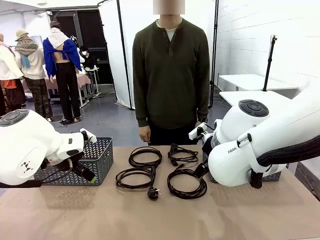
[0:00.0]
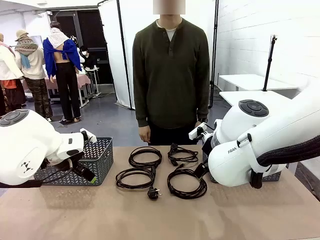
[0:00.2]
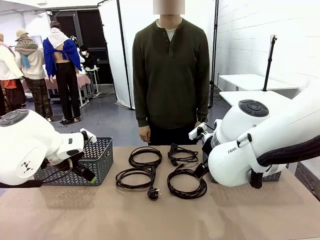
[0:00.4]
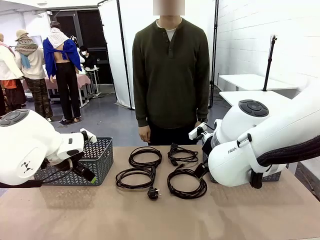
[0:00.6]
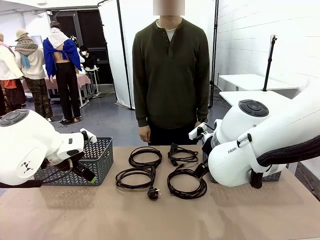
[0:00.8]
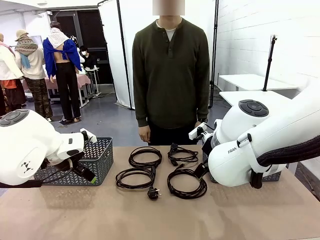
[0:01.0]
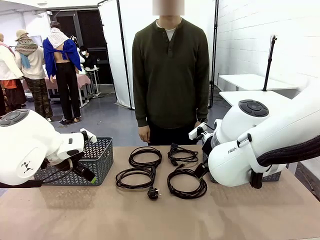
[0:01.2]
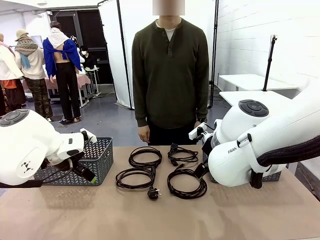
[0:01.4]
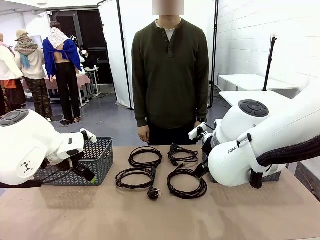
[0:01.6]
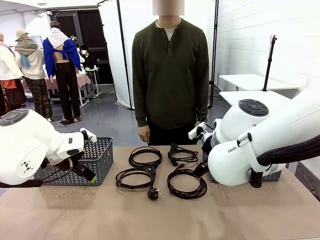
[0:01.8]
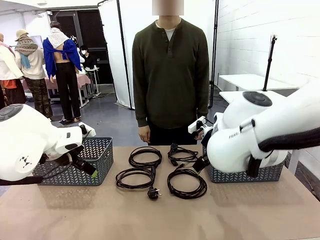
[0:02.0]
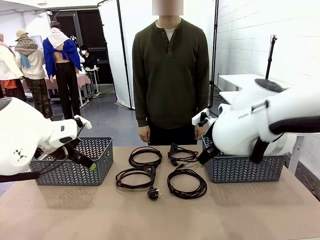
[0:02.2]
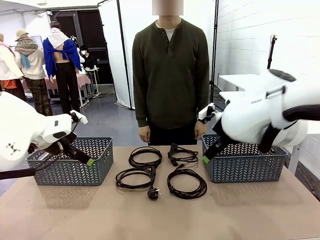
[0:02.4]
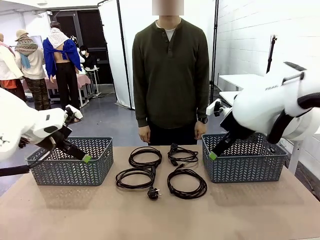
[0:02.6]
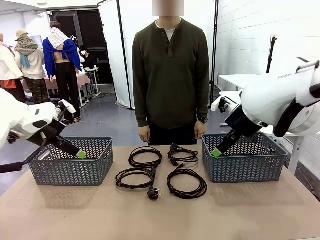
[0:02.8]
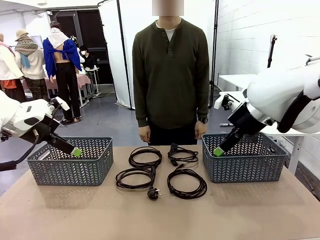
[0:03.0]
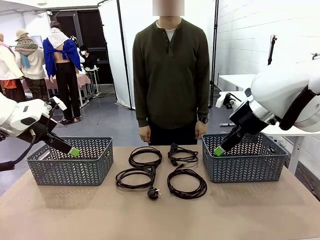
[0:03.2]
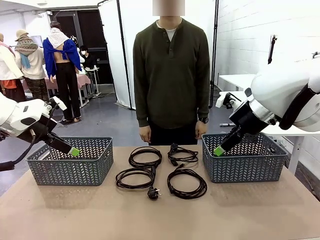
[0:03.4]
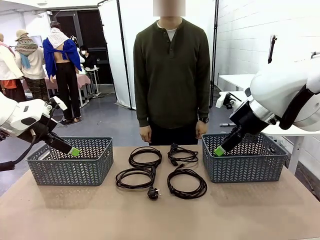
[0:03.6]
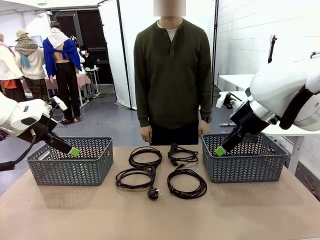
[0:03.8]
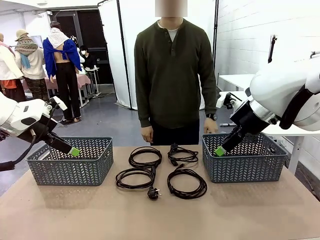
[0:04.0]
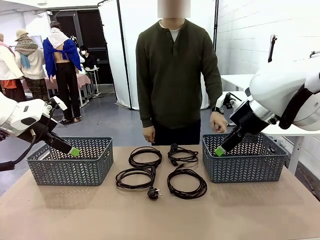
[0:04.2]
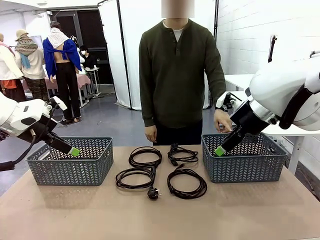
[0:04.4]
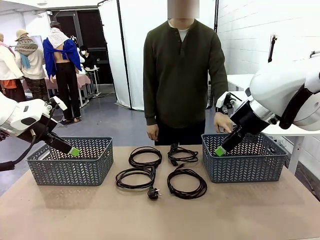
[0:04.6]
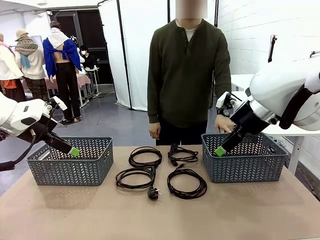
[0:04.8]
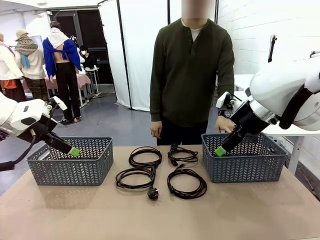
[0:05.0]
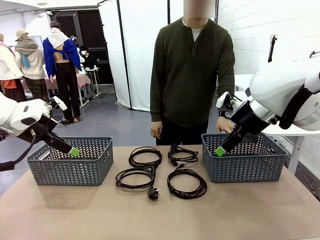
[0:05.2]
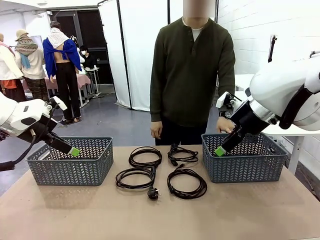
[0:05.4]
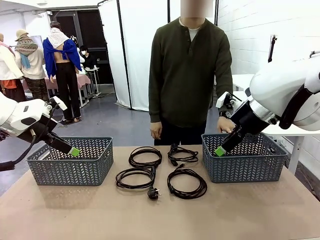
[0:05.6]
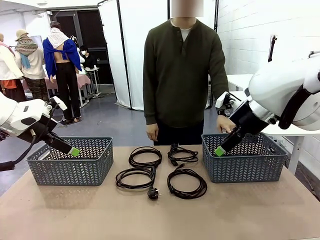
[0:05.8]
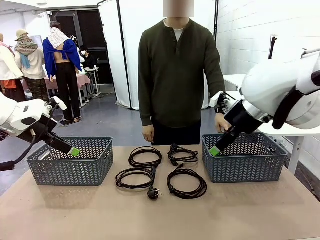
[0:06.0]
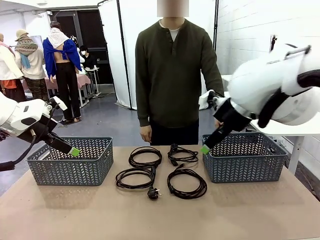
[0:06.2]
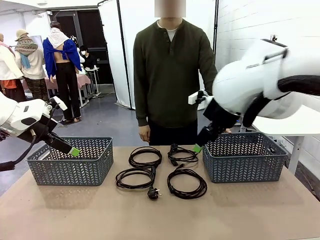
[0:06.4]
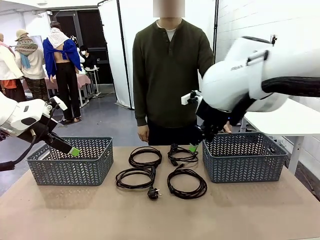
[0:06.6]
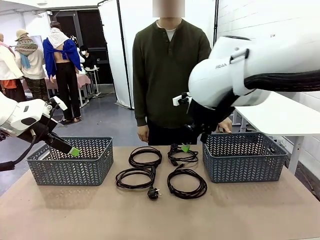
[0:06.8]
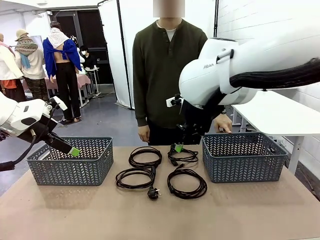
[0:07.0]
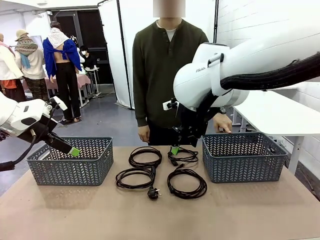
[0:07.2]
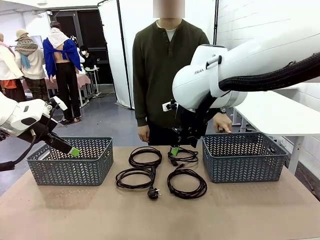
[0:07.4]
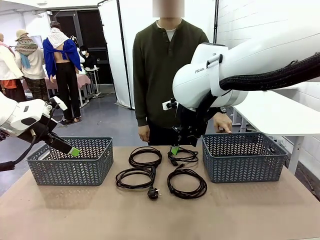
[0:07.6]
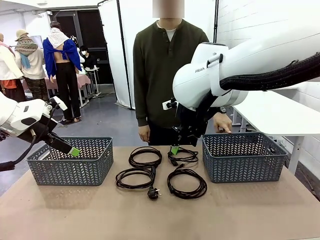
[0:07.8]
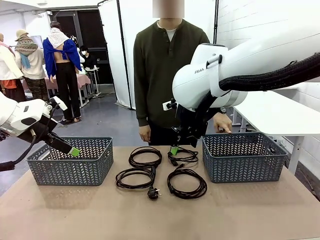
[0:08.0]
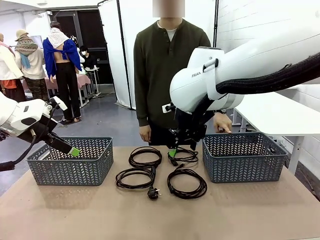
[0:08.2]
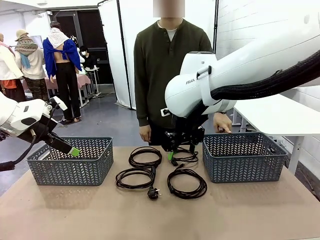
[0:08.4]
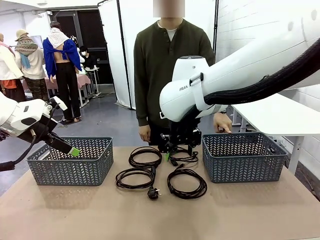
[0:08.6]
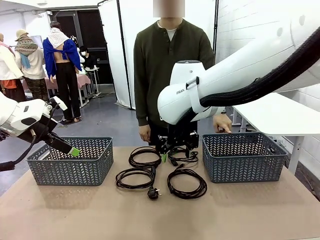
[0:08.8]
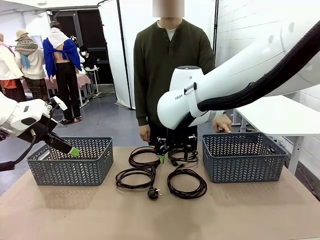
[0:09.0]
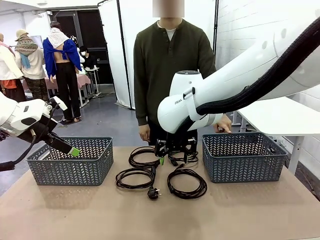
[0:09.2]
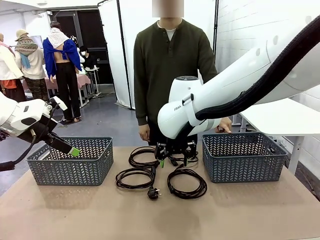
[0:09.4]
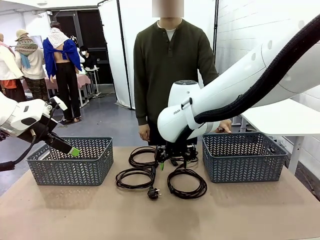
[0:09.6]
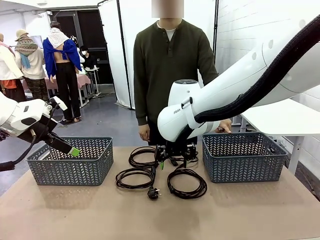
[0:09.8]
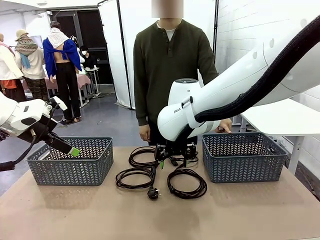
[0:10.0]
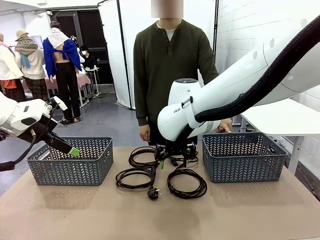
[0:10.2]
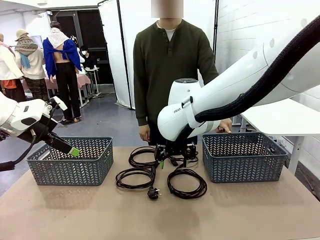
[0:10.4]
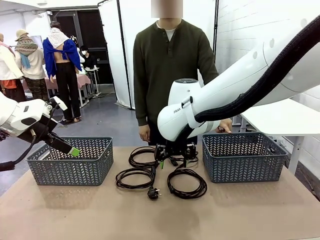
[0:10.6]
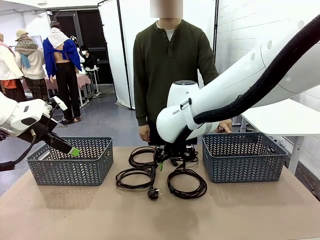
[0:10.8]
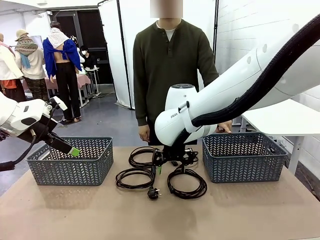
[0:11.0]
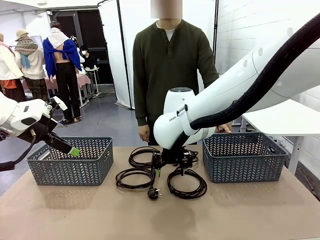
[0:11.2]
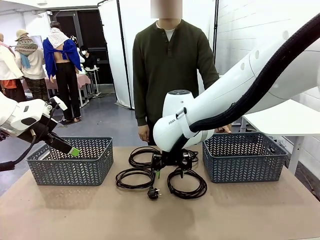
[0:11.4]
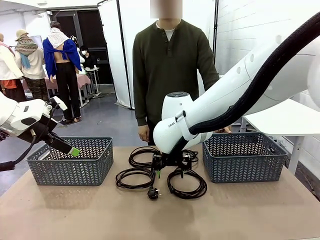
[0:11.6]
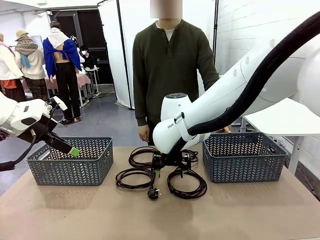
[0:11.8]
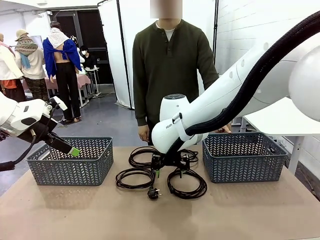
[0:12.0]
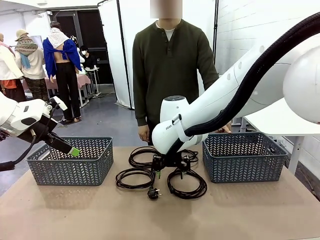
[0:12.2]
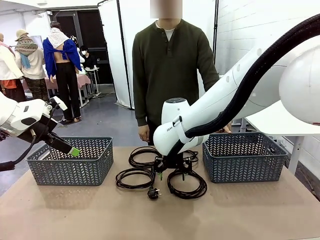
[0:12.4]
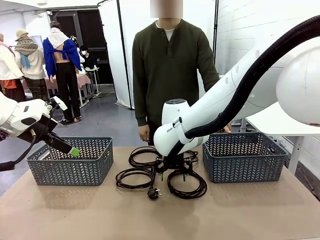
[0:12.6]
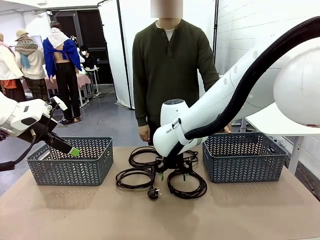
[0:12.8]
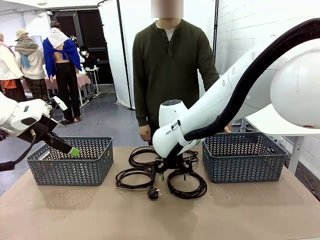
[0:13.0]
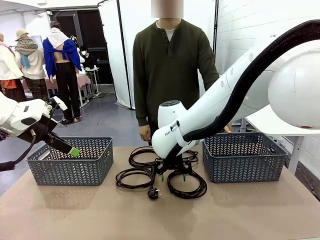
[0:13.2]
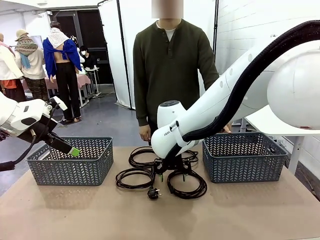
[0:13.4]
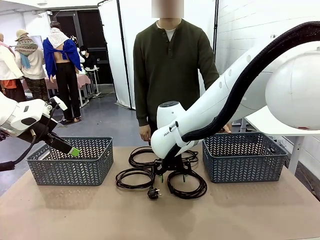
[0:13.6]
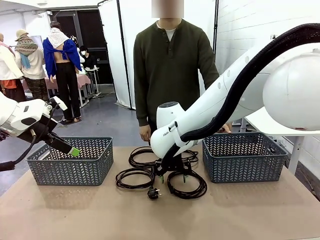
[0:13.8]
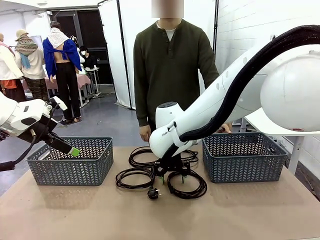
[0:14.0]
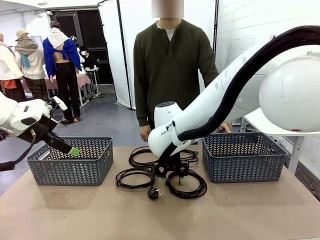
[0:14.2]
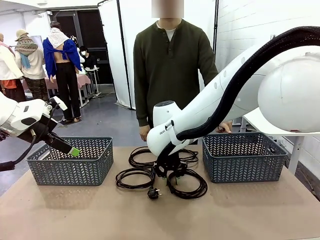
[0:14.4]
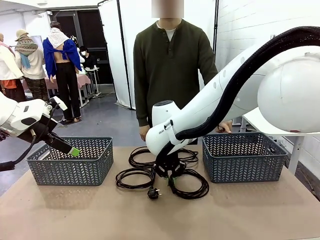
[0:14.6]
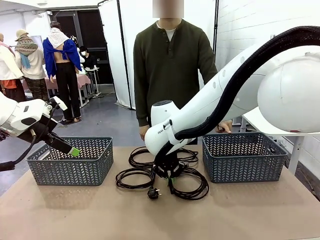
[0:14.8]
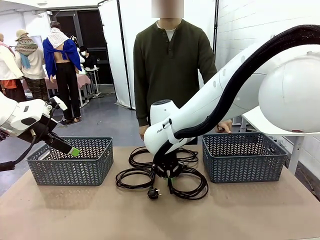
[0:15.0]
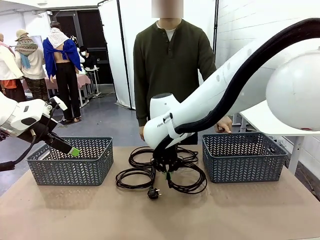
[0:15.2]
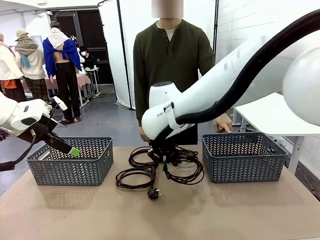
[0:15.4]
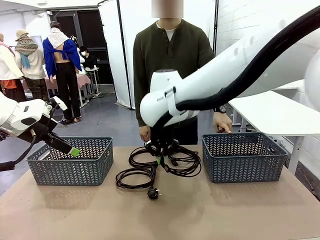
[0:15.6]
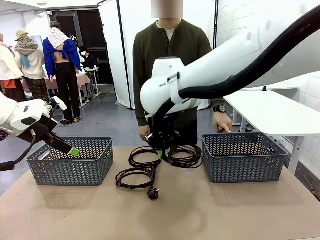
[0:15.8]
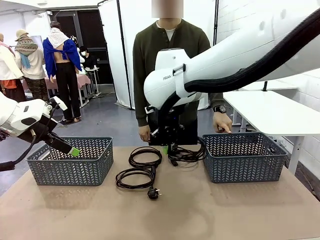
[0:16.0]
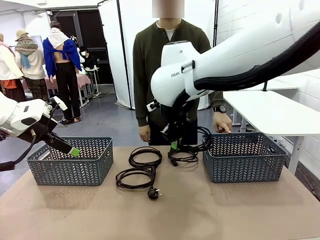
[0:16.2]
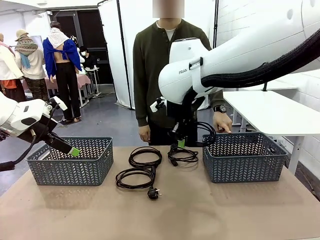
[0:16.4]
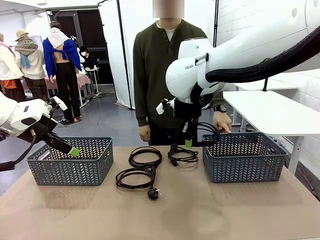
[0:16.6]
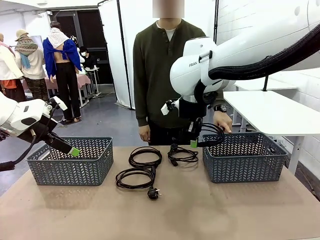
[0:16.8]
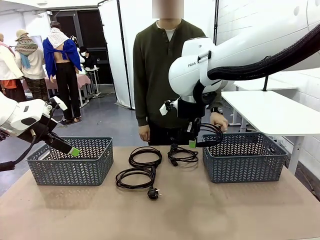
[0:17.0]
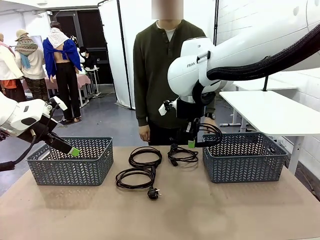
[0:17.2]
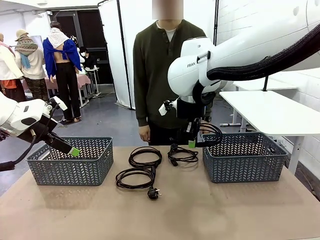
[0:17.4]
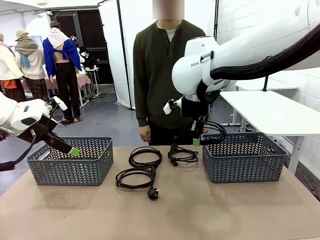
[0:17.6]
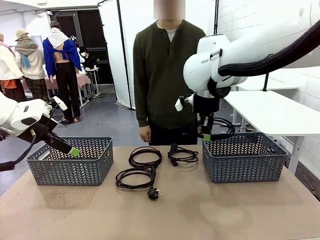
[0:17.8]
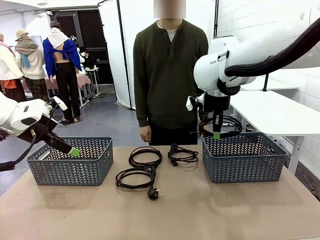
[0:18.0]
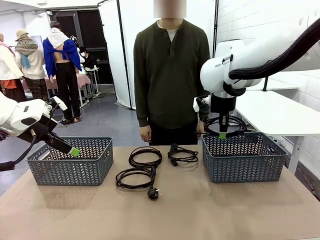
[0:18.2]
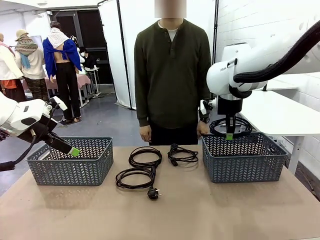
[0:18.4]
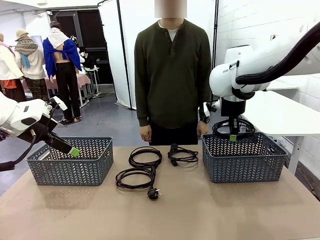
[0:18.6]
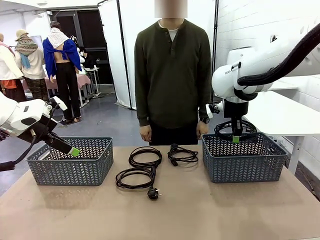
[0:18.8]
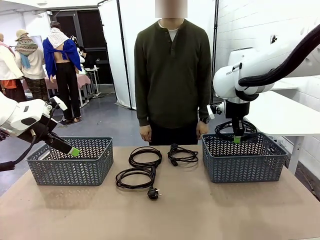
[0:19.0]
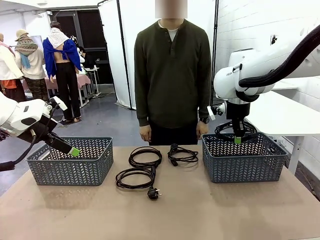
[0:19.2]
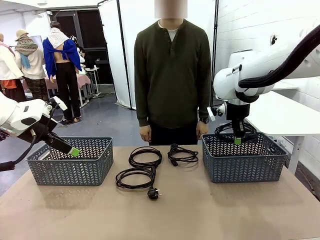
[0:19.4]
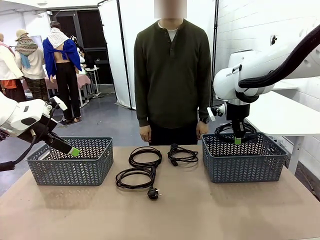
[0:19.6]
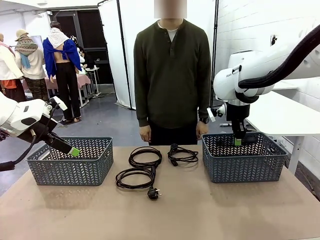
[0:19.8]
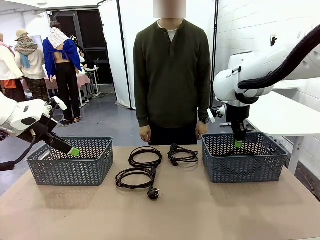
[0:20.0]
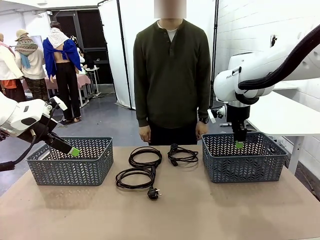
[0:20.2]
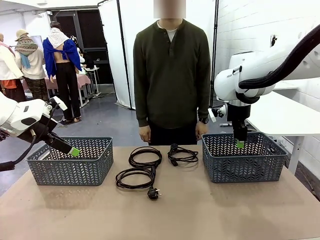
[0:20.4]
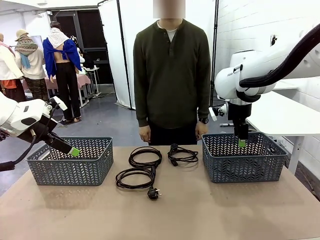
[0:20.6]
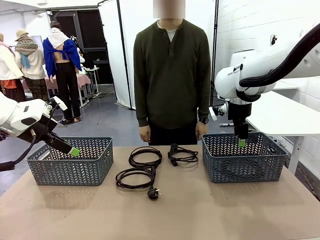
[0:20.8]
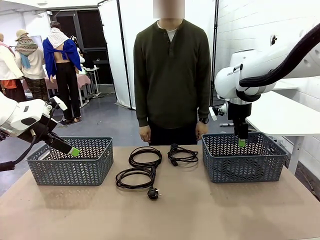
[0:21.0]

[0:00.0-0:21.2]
Task: Organize the cables according to human instructions.
Robot: Pick up a bundle of cables and place it in the basket indicated by the human.
